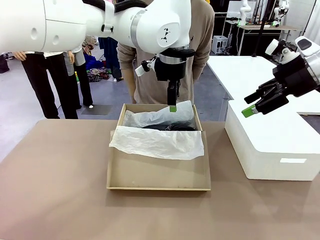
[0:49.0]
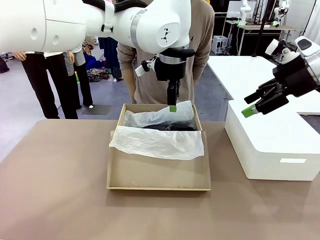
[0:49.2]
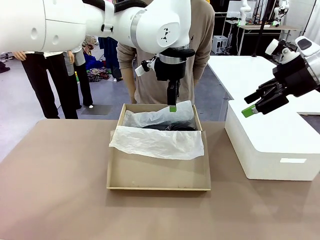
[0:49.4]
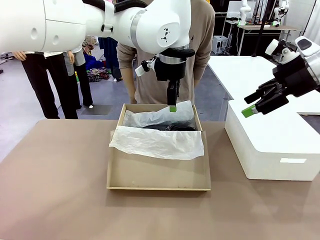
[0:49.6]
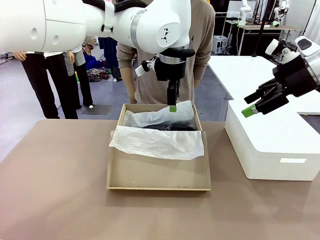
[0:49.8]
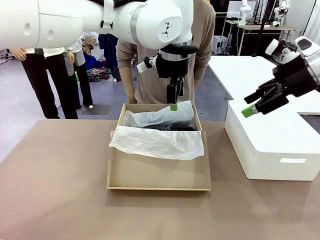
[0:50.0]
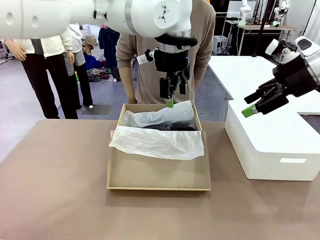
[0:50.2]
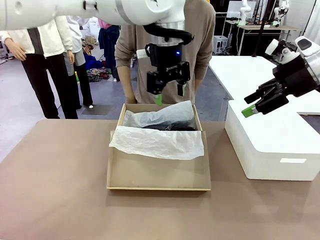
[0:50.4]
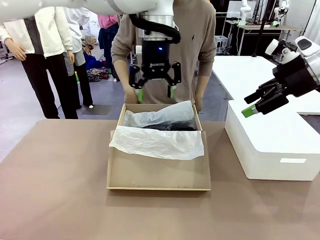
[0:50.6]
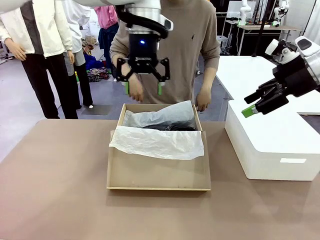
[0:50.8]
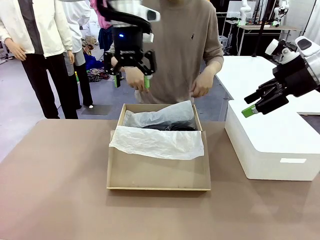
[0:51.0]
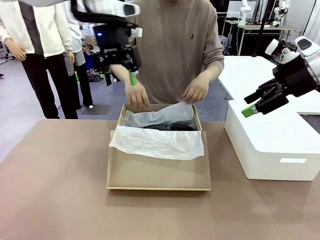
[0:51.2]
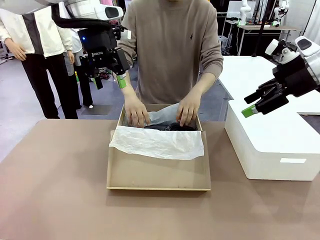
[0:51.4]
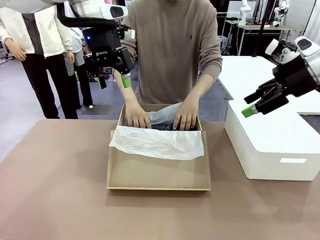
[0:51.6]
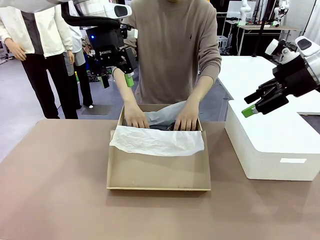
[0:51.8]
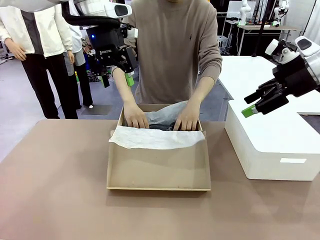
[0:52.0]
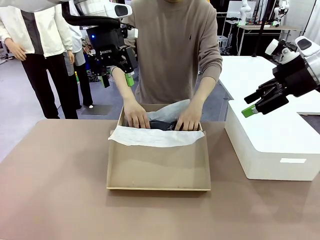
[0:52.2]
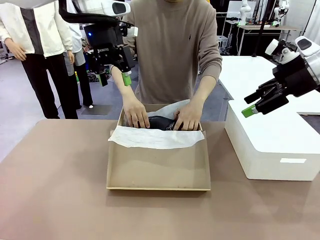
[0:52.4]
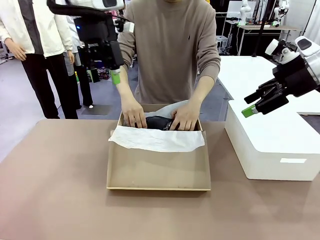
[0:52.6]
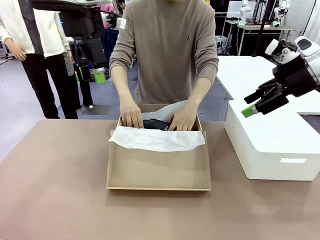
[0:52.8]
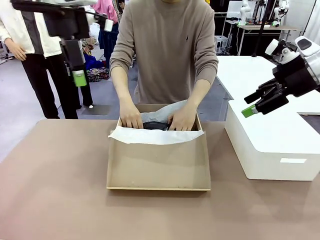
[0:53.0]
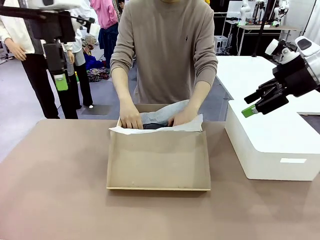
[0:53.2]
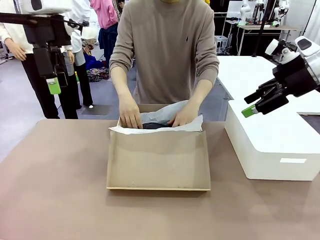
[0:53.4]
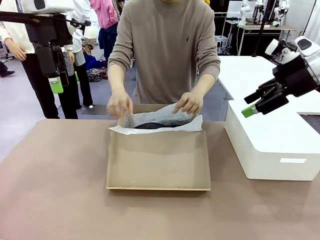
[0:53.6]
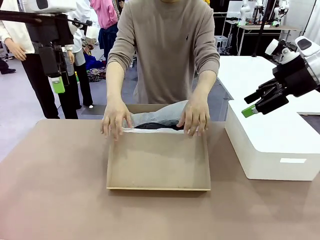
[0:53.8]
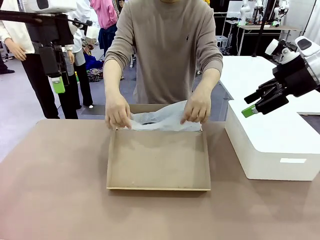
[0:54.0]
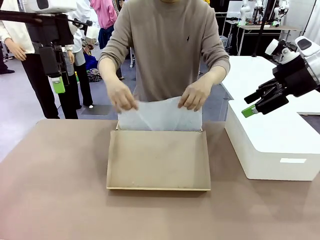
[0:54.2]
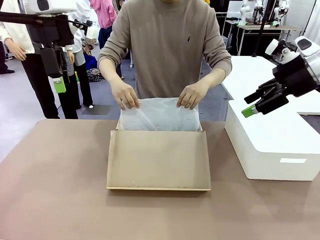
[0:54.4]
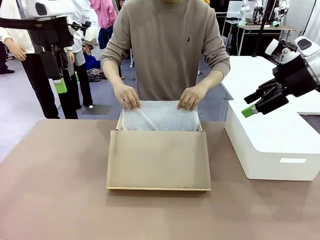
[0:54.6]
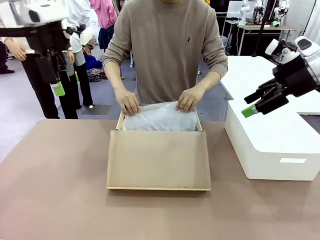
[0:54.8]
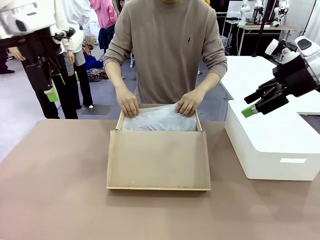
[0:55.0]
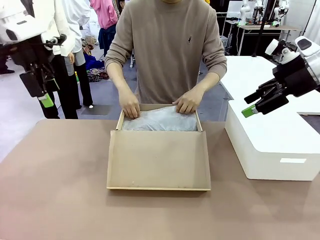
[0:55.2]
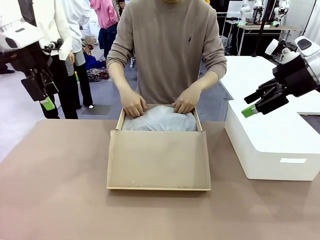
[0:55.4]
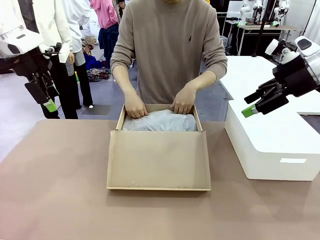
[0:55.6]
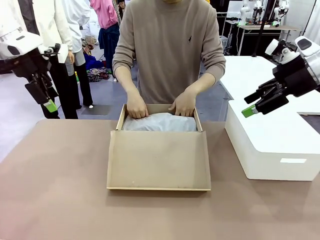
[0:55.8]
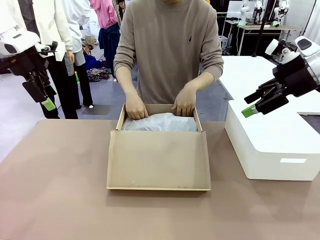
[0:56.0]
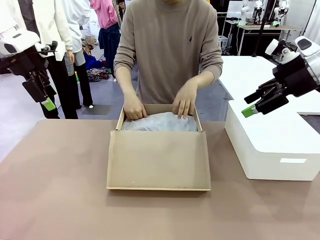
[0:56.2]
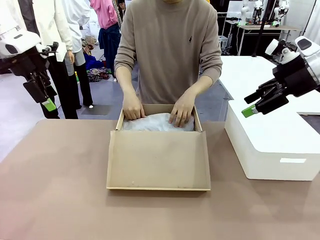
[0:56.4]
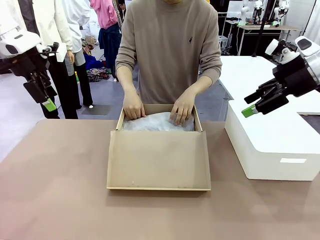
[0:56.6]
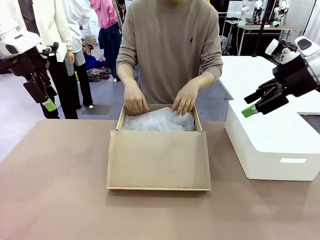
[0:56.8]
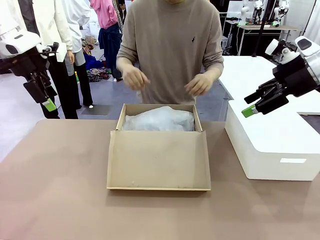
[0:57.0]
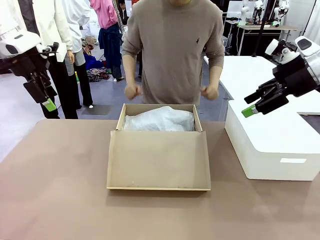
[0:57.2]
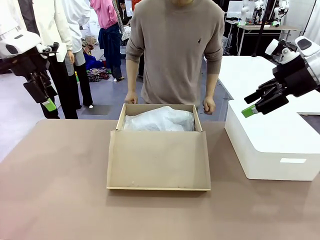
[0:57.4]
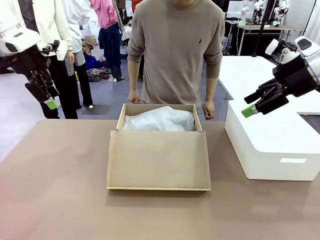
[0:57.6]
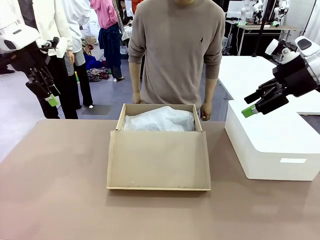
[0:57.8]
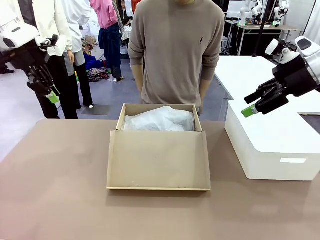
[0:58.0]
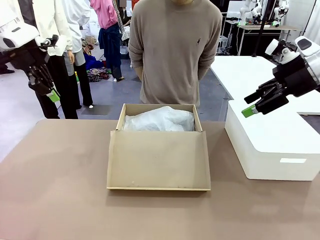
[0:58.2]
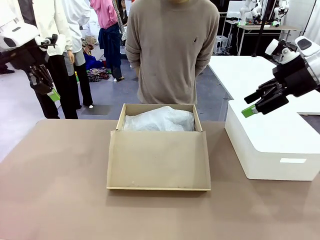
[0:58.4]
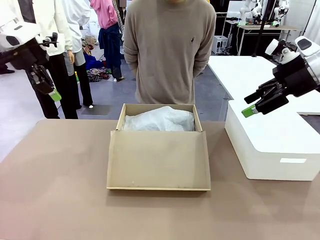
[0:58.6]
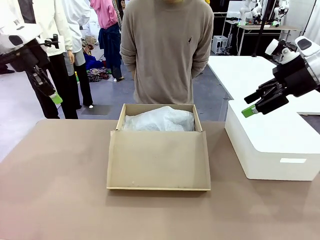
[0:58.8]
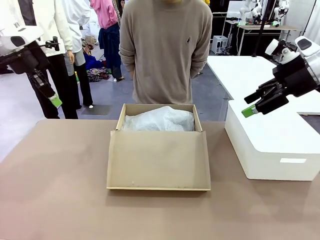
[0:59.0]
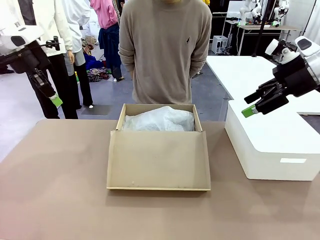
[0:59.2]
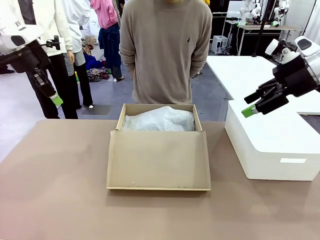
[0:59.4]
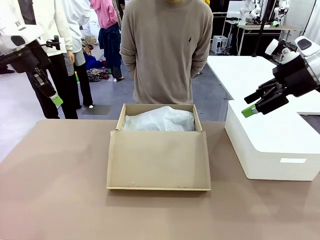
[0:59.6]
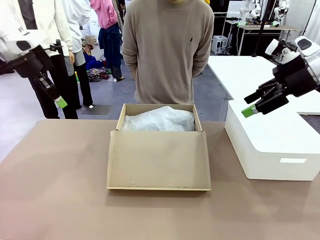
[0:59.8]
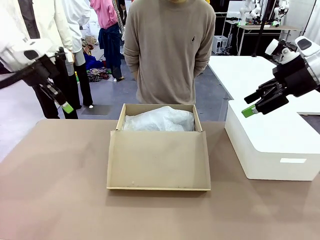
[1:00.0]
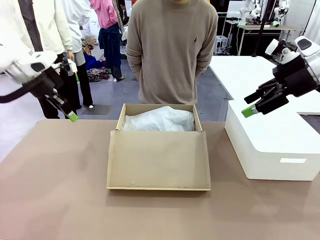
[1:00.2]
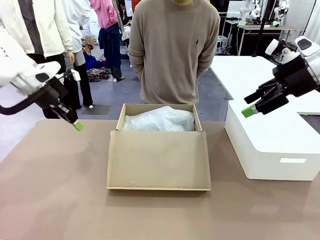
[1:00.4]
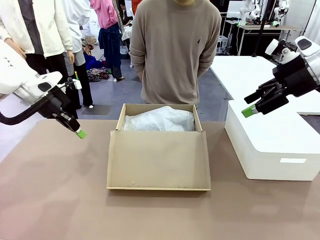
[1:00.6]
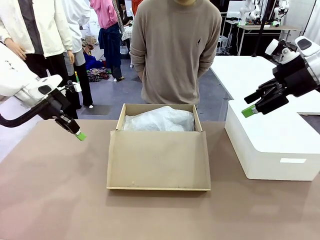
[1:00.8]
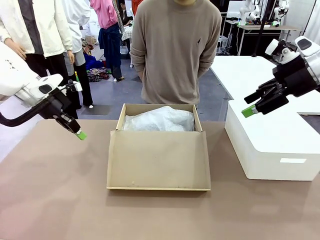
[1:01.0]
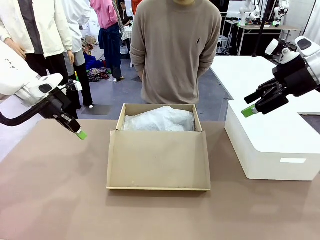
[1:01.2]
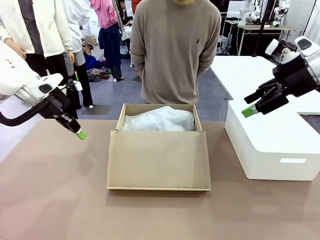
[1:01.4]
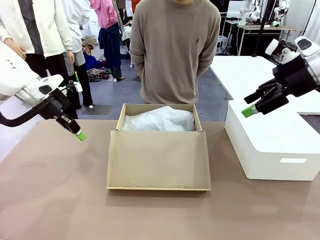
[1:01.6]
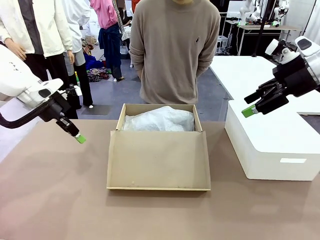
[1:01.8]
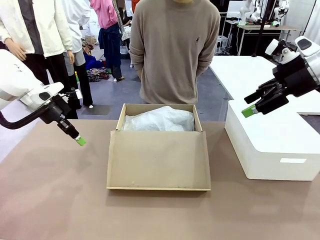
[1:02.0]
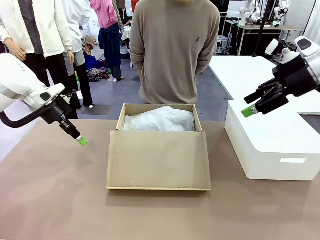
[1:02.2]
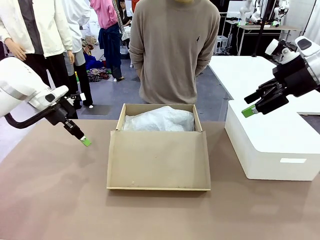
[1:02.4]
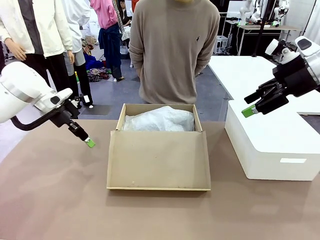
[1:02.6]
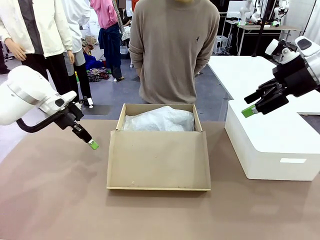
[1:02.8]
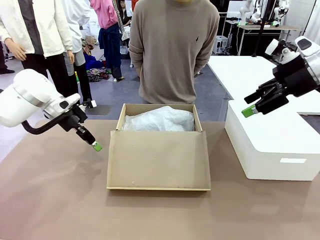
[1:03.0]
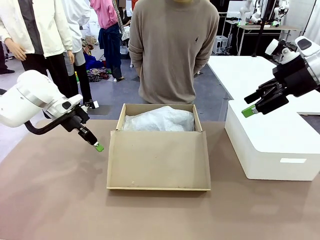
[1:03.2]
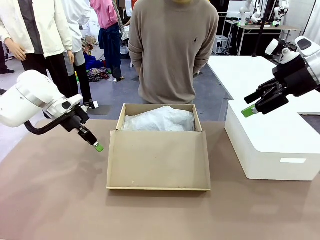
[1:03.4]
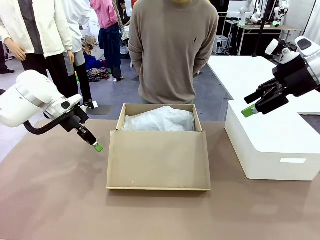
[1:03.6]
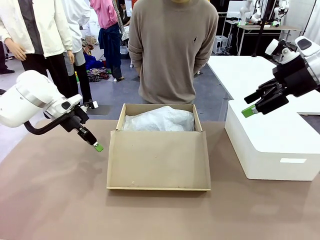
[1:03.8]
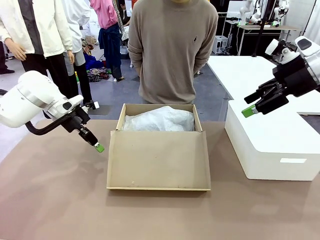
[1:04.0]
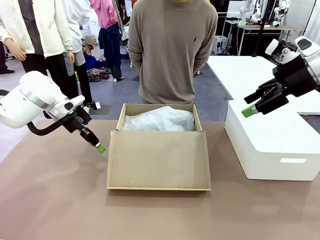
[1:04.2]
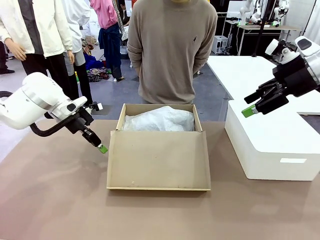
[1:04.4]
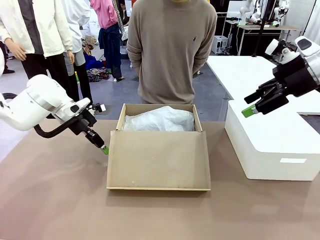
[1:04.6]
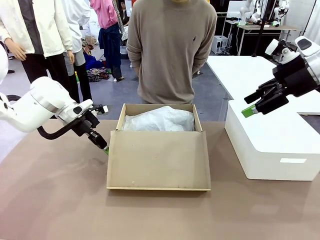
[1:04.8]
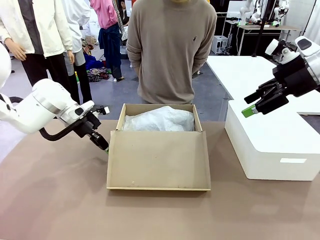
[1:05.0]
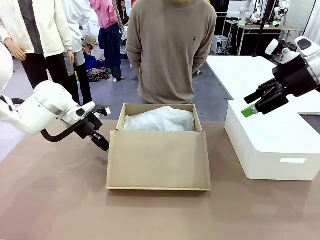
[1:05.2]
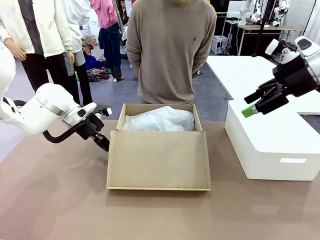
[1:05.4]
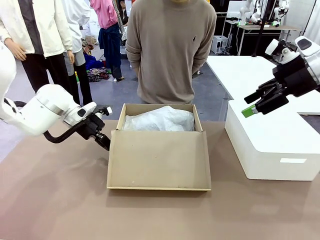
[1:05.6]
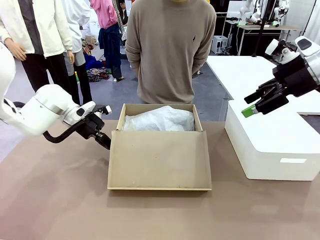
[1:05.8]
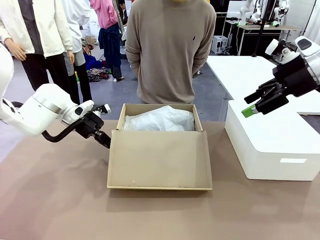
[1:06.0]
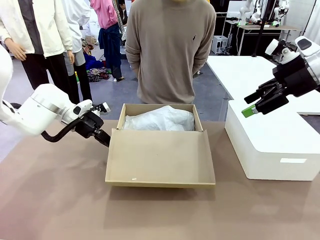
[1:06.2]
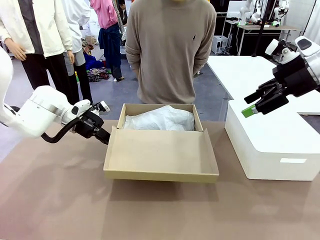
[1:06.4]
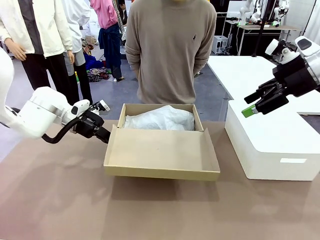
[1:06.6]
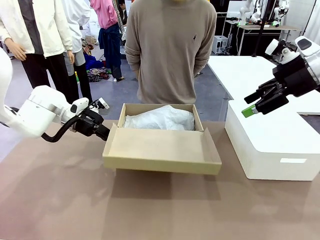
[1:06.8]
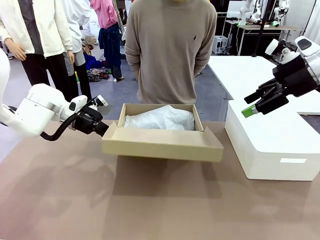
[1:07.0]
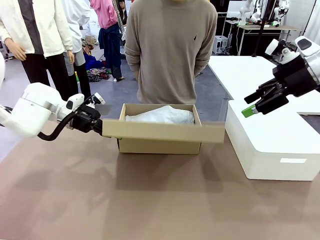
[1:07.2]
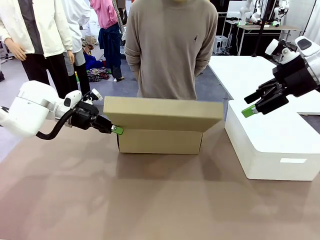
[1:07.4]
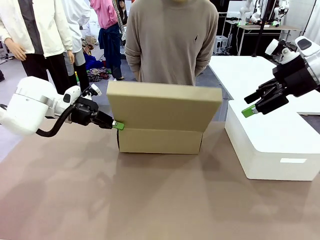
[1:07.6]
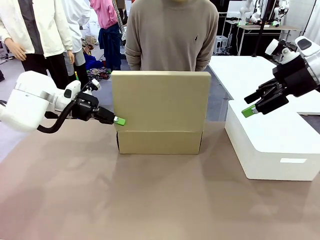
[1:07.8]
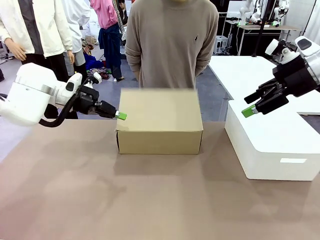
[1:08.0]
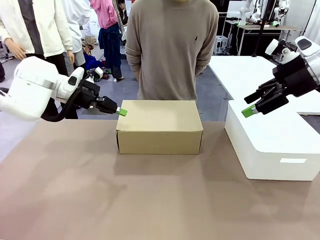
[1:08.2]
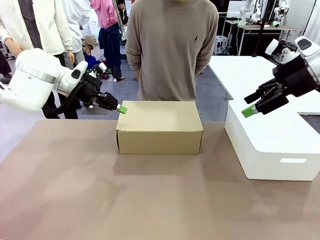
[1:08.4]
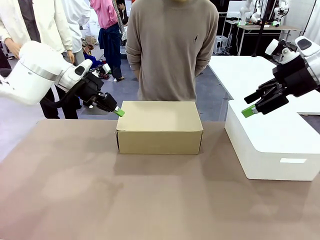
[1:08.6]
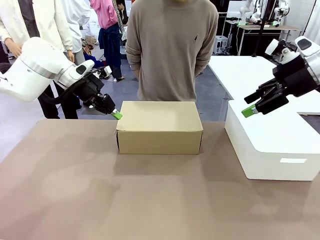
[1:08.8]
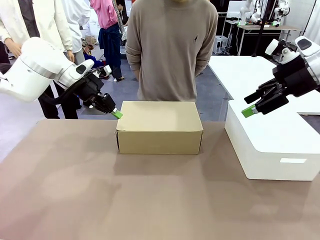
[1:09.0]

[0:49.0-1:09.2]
Task: Pack the shoes into the box.
Robot: Close the Shoes Box.
